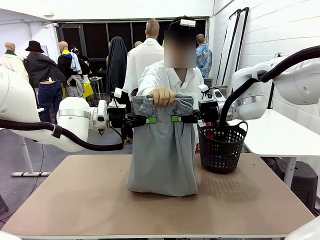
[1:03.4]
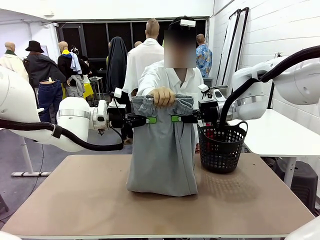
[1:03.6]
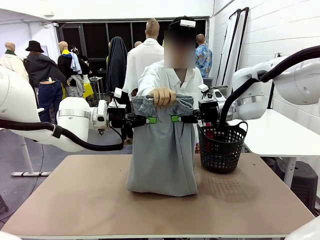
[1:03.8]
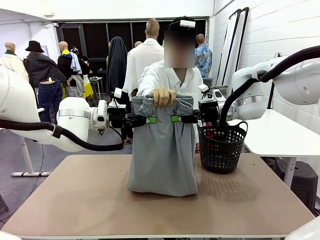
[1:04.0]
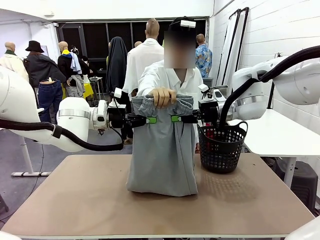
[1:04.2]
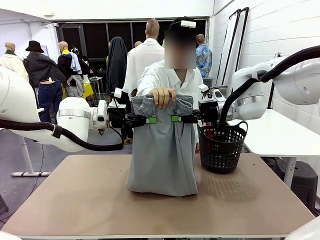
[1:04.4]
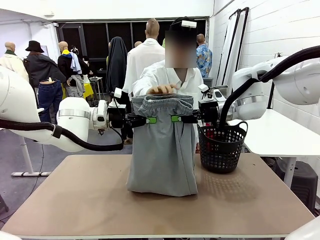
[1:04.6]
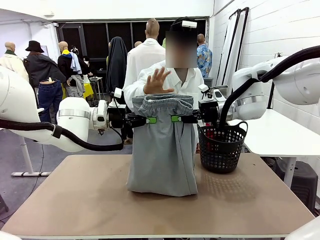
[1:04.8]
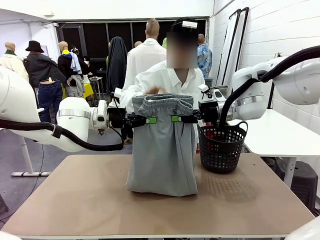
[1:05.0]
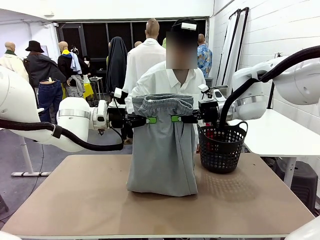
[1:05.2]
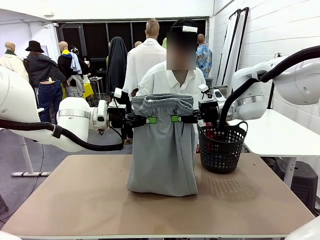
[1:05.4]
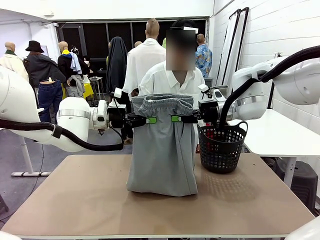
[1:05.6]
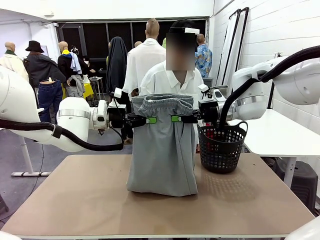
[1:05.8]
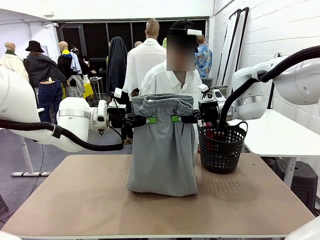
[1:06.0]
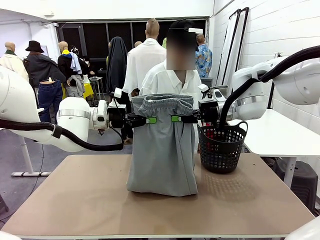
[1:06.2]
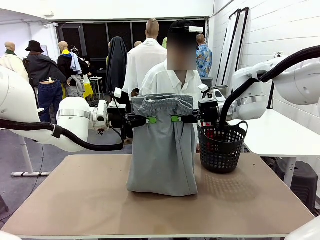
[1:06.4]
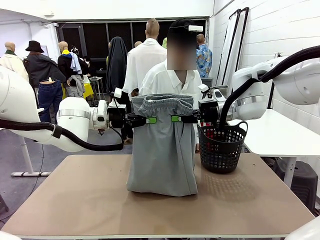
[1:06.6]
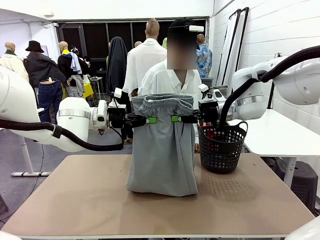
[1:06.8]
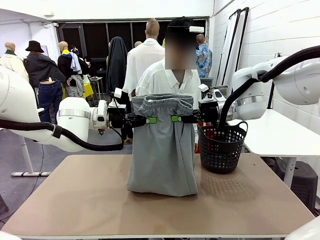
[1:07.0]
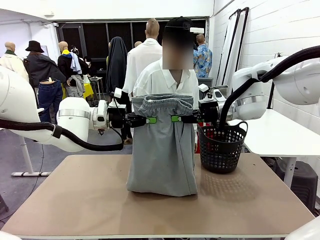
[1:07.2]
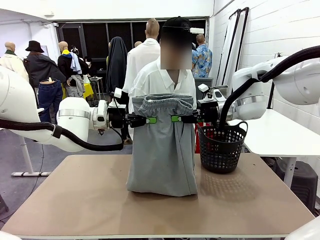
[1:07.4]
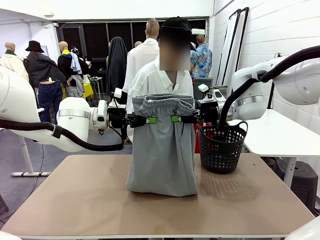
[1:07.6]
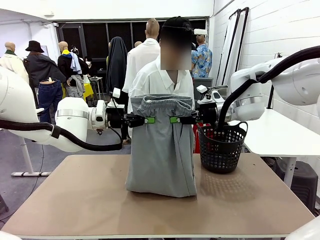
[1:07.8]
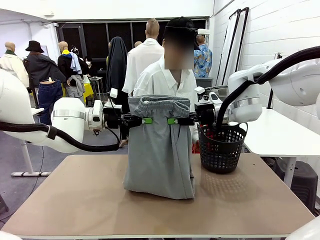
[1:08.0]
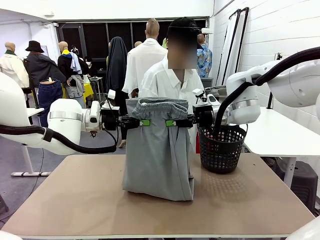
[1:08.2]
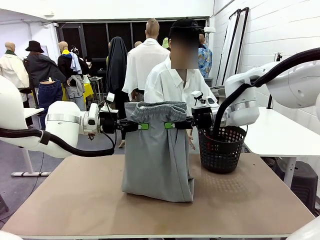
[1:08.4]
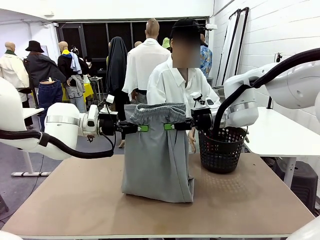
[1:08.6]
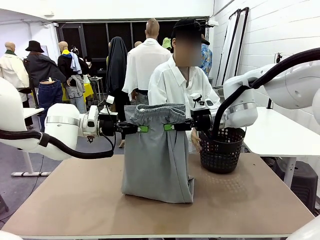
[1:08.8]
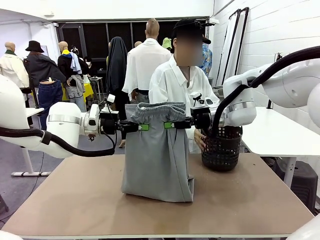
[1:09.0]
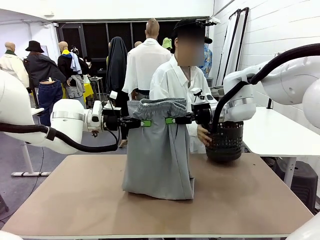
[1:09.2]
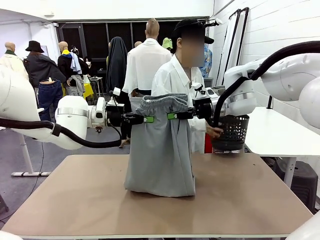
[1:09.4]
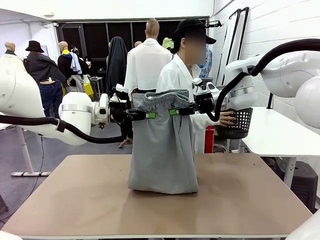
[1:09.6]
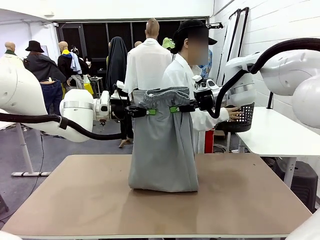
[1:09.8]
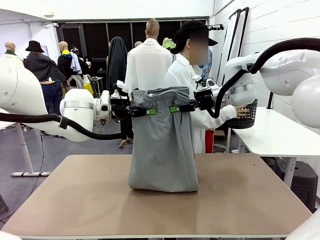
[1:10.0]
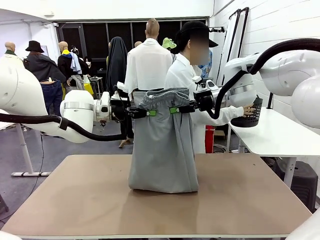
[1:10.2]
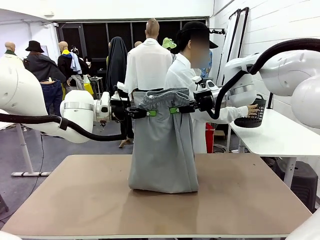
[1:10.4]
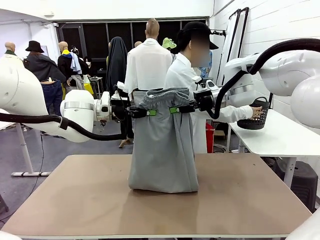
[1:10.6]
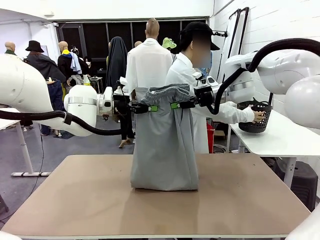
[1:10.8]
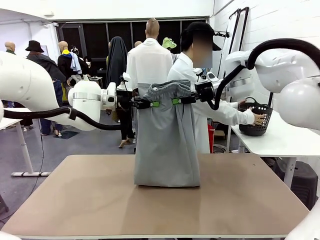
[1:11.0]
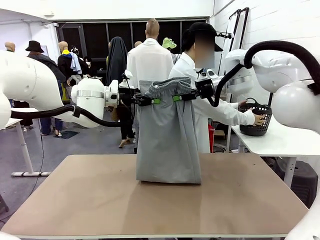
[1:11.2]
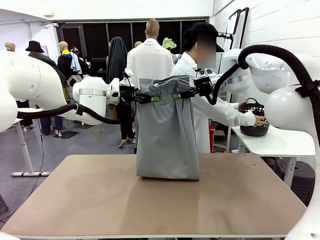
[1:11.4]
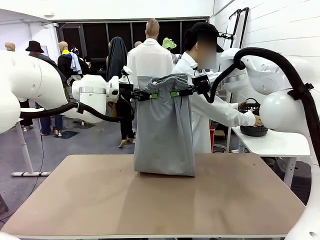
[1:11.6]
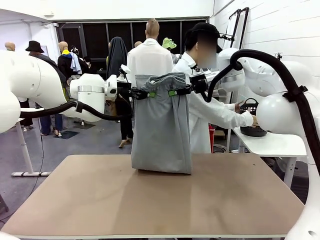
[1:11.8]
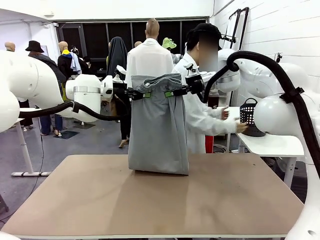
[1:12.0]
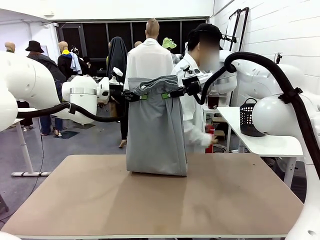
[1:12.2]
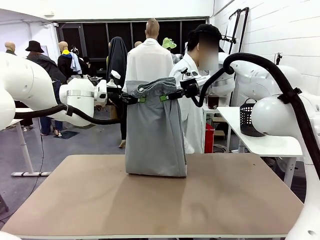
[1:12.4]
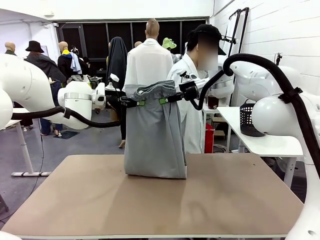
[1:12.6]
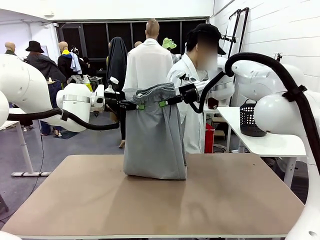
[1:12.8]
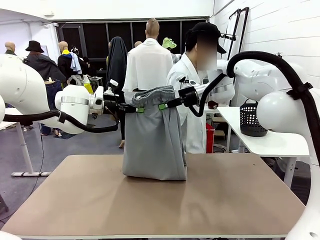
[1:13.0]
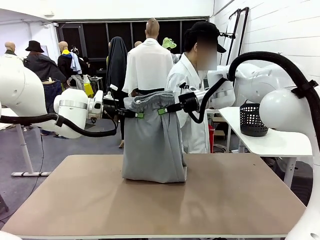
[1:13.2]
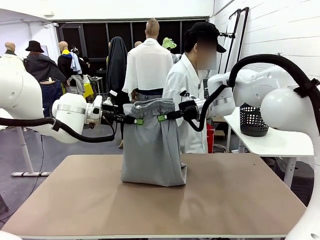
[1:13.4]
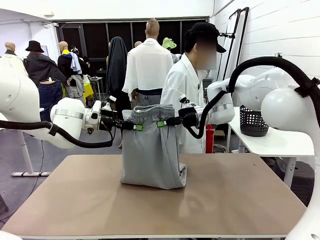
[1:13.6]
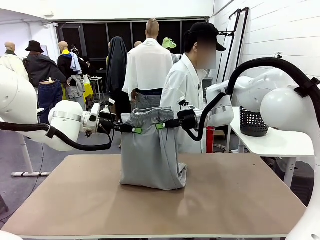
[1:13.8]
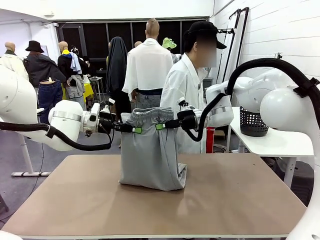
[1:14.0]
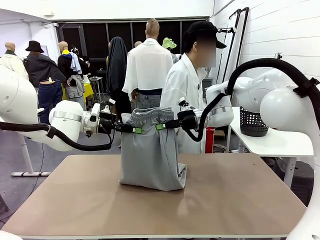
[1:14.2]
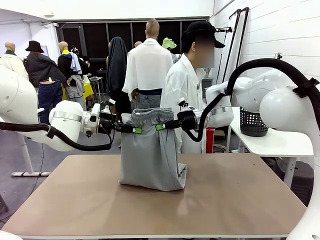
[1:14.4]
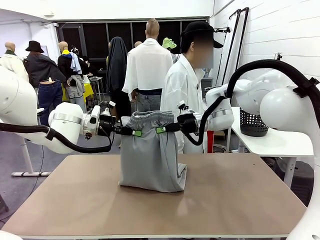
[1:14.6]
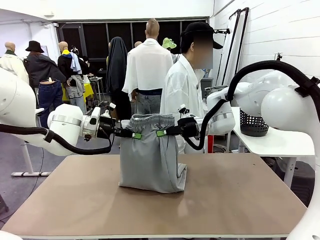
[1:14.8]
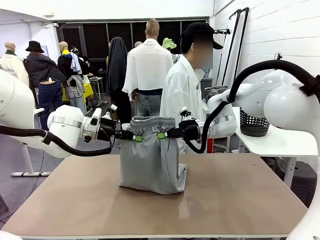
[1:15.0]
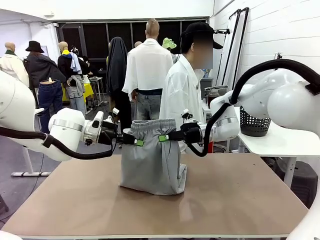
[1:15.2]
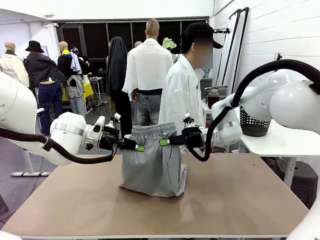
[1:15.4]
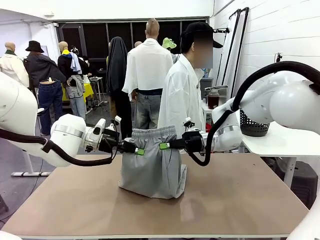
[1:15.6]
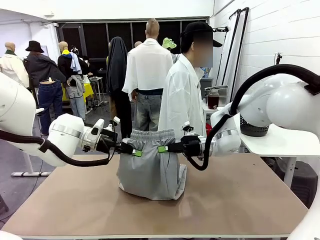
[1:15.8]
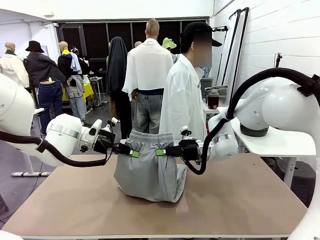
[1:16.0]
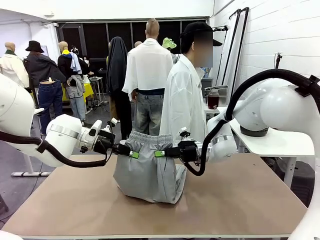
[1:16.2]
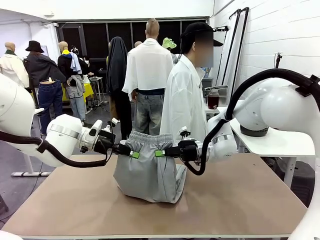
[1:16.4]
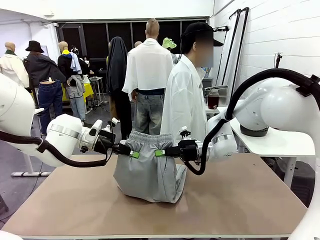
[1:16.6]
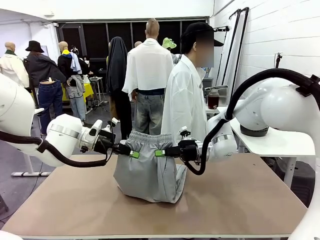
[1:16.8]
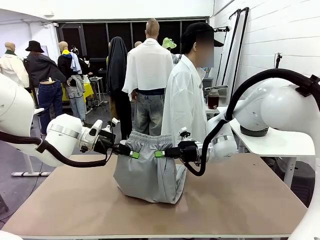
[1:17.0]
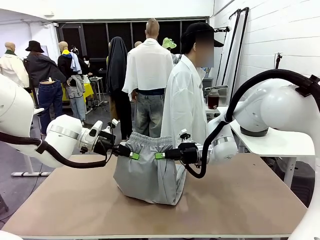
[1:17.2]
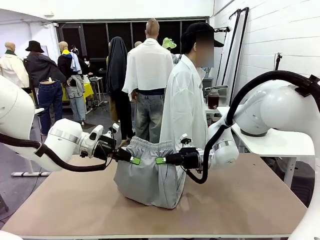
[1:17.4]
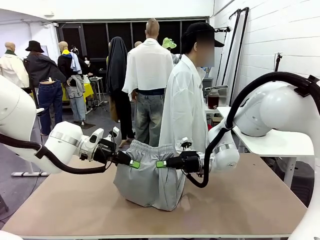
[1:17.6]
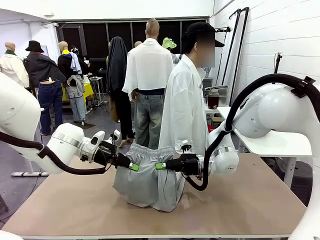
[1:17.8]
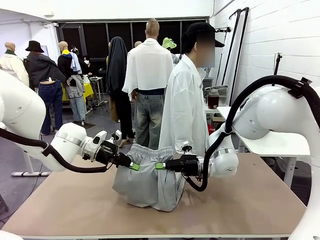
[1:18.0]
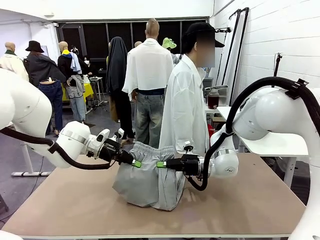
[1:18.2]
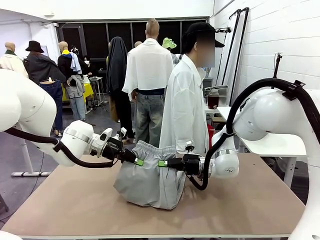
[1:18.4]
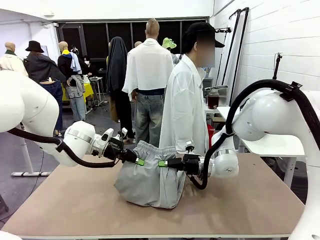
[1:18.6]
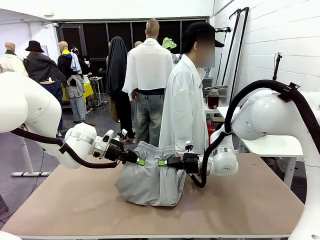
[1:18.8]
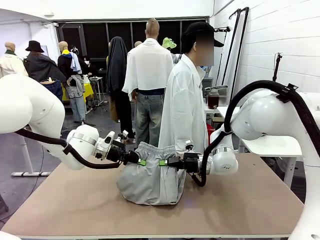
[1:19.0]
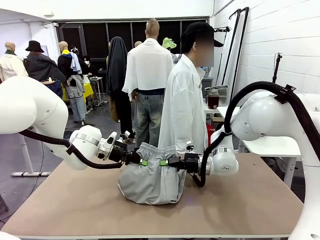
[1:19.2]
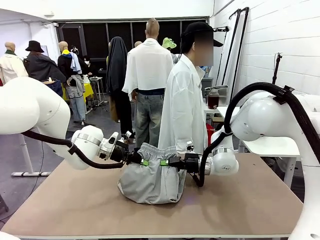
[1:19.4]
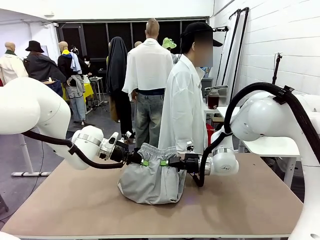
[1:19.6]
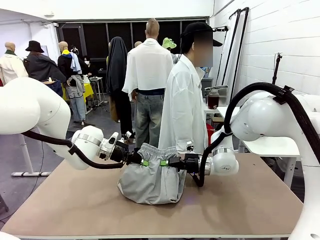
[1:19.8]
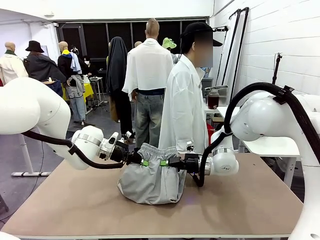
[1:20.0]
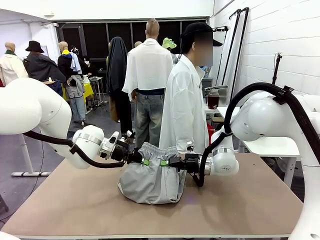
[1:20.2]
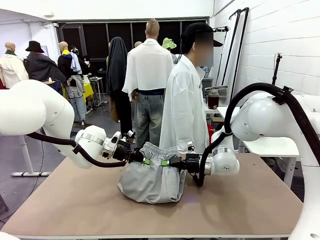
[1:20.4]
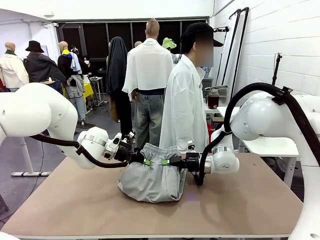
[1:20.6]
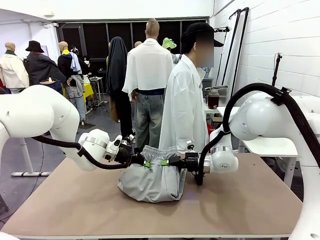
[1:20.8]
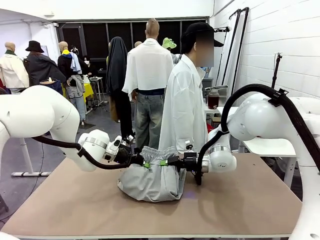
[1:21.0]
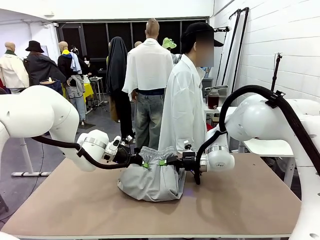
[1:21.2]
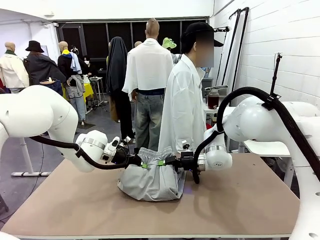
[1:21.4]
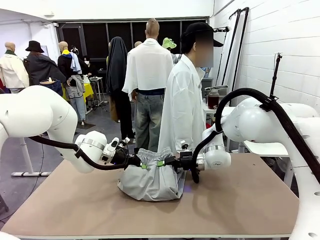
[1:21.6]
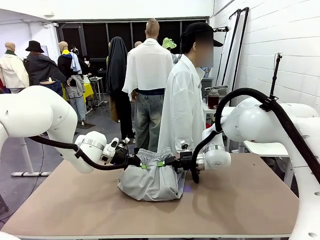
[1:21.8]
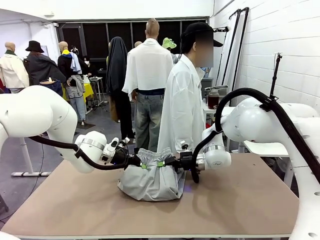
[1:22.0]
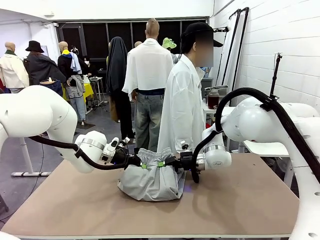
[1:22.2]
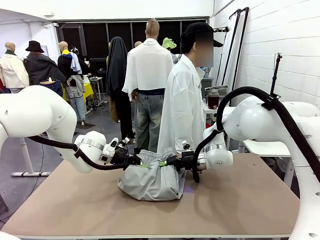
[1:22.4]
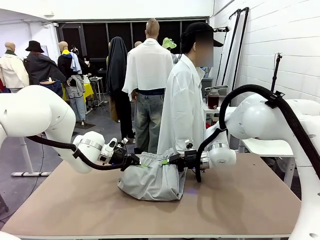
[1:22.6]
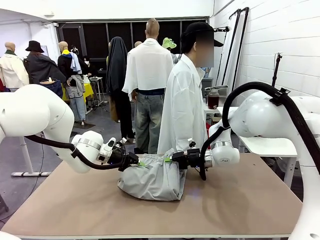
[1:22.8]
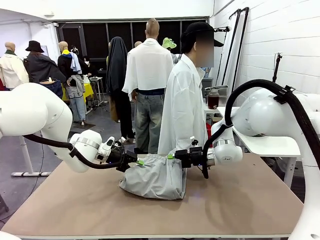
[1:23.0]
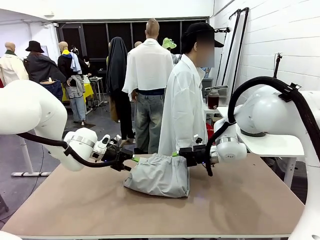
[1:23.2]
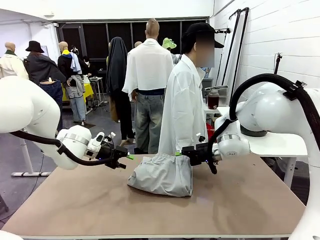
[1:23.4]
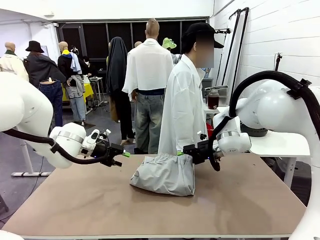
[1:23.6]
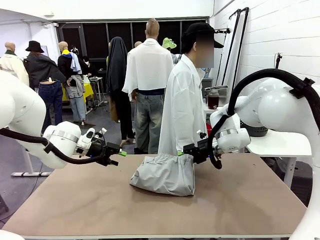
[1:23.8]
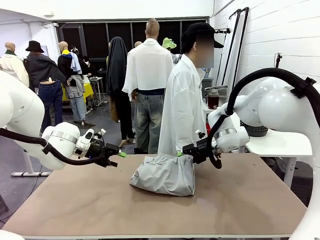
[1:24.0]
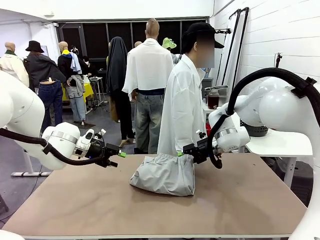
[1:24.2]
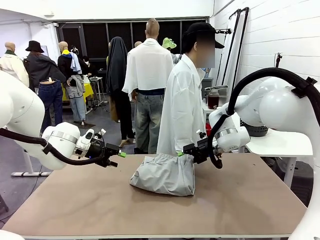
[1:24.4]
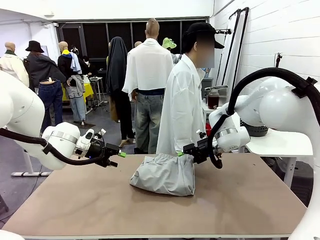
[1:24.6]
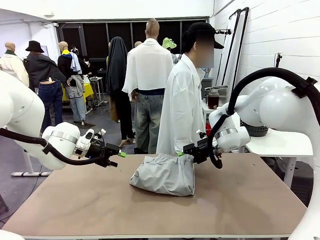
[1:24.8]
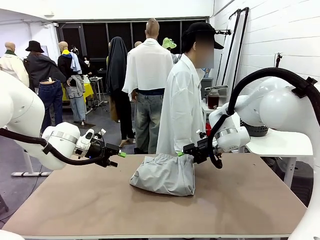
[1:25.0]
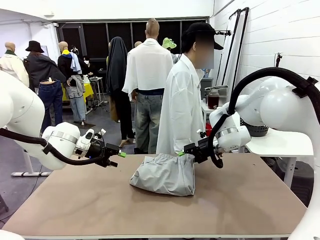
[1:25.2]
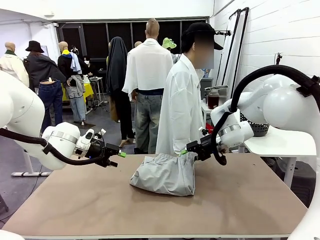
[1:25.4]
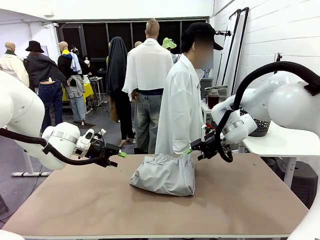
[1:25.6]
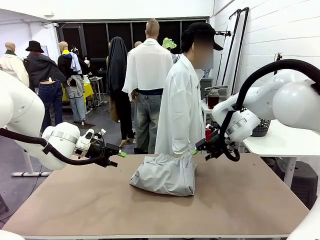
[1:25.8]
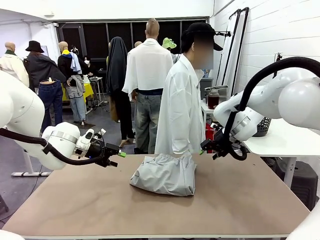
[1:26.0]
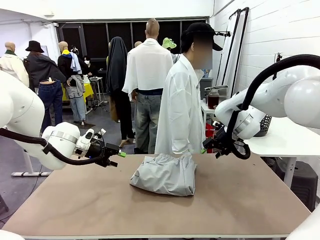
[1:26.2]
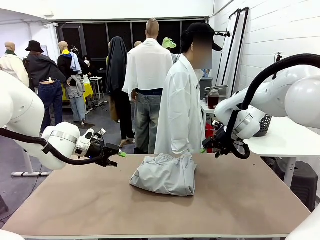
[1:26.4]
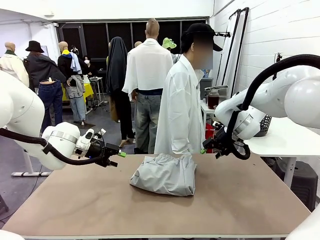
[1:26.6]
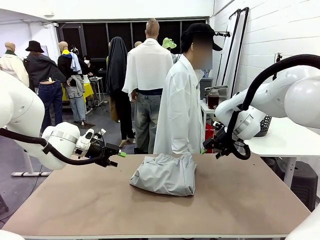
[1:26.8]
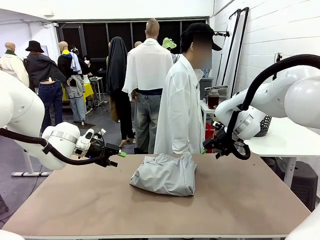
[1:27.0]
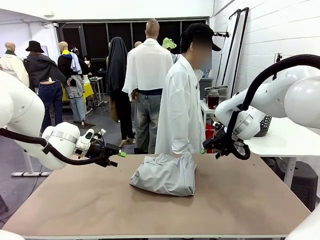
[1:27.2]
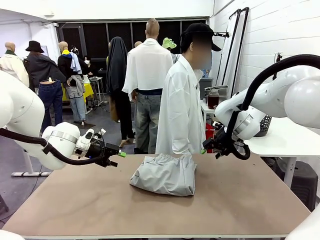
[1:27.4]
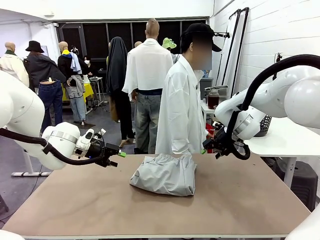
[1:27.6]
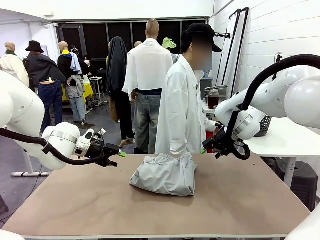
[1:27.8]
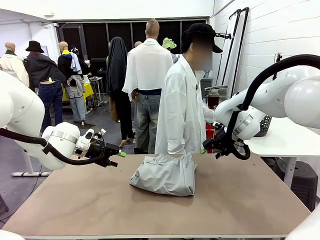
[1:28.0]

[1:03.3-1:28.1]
Task: Fold the training pants.
Robot: Fold the Training pants in half.
Person: Move the laundry basket to the right of the human table.
